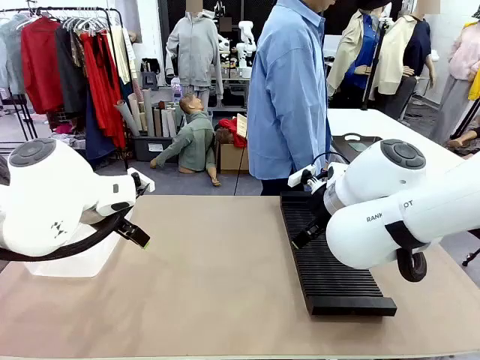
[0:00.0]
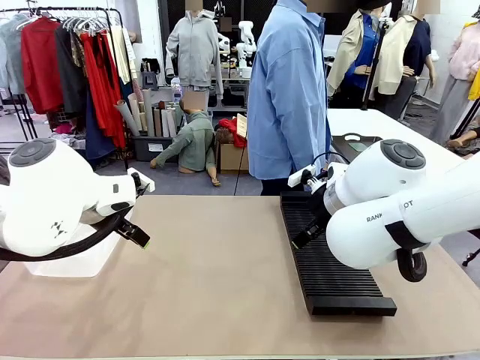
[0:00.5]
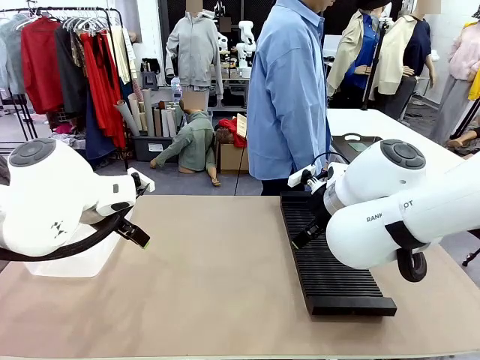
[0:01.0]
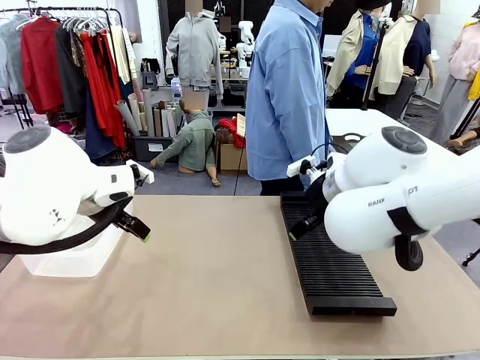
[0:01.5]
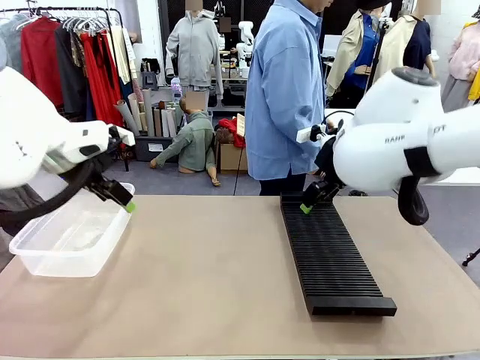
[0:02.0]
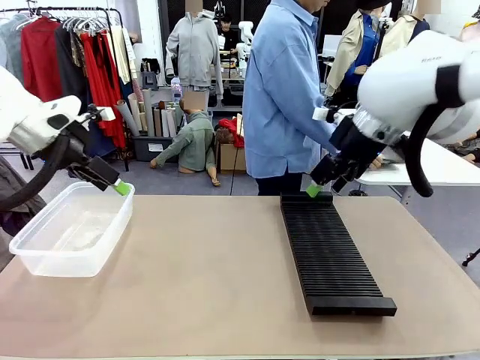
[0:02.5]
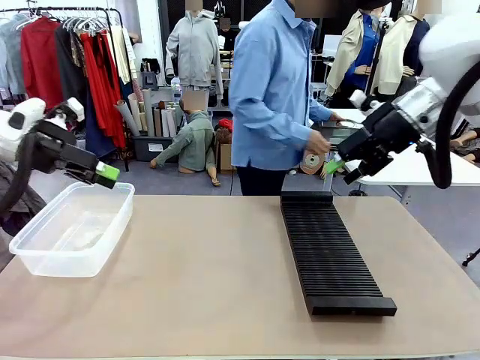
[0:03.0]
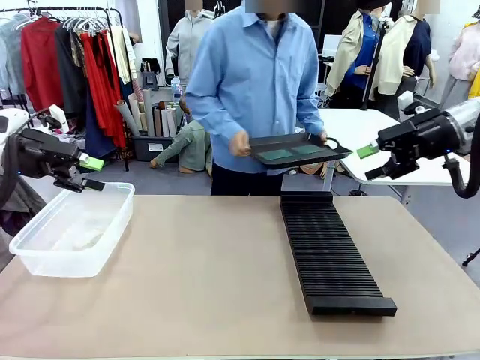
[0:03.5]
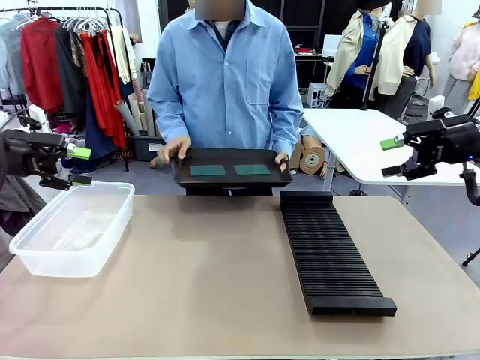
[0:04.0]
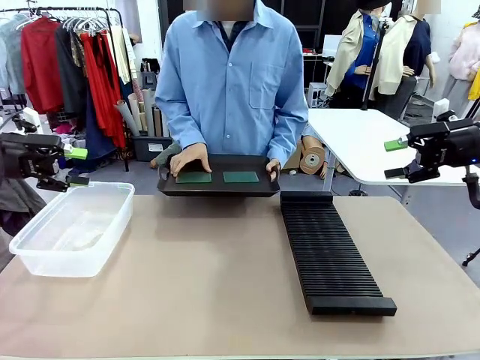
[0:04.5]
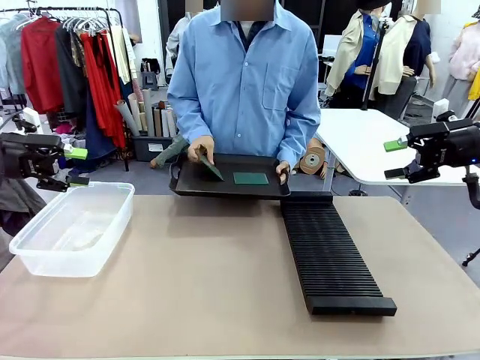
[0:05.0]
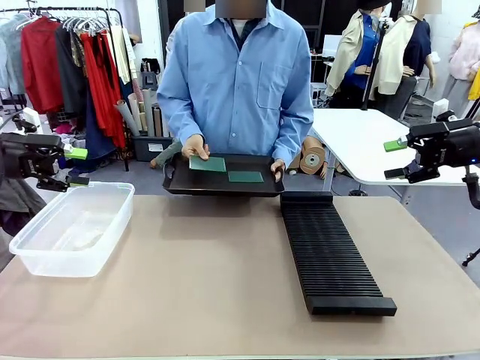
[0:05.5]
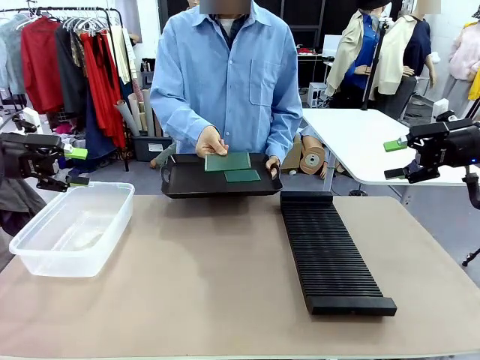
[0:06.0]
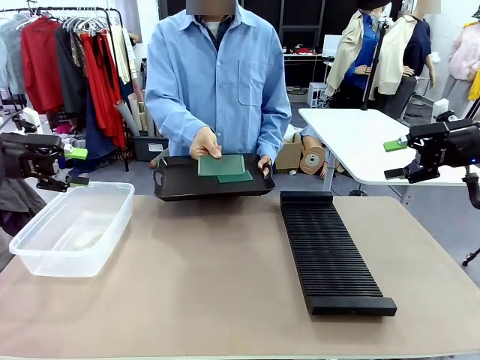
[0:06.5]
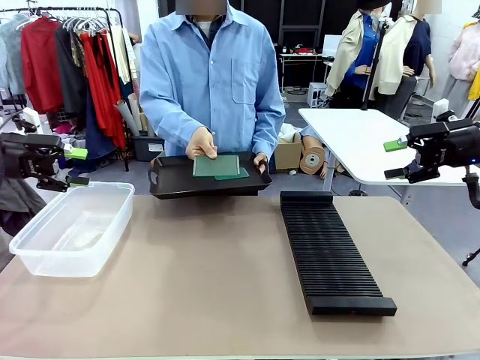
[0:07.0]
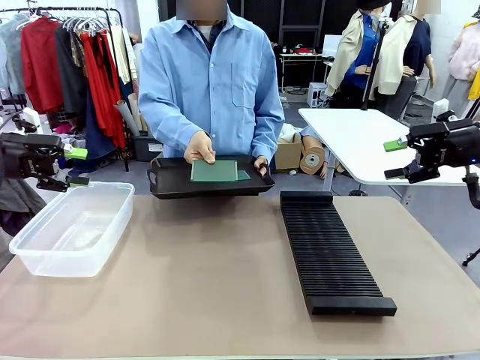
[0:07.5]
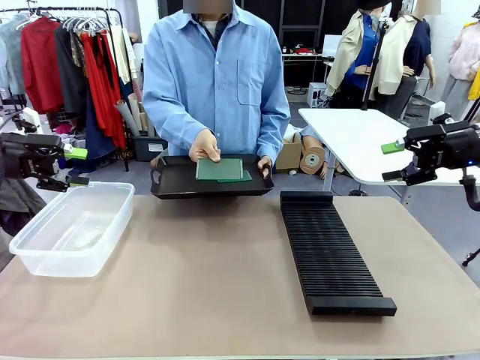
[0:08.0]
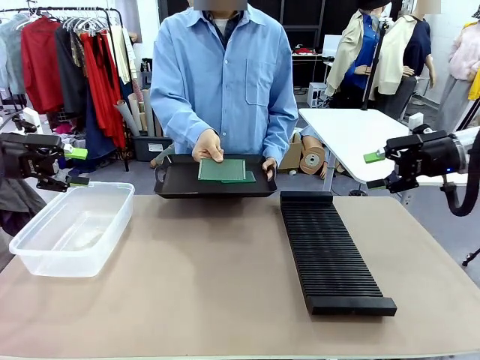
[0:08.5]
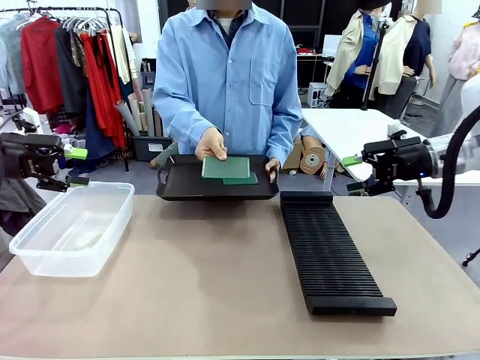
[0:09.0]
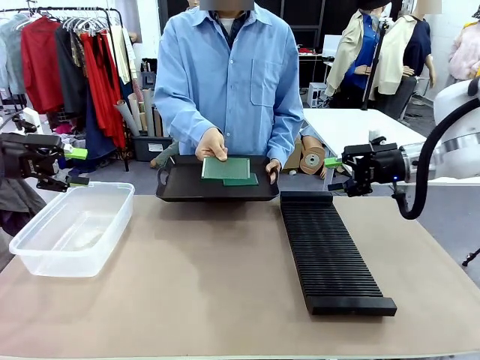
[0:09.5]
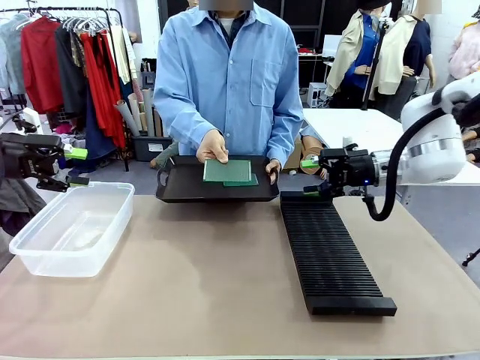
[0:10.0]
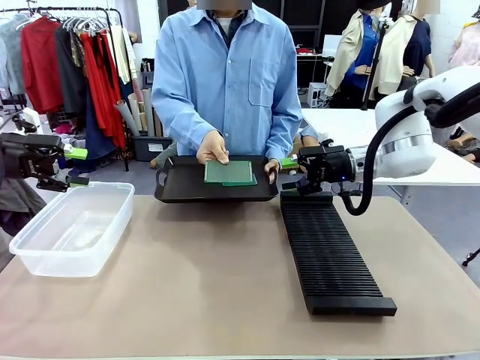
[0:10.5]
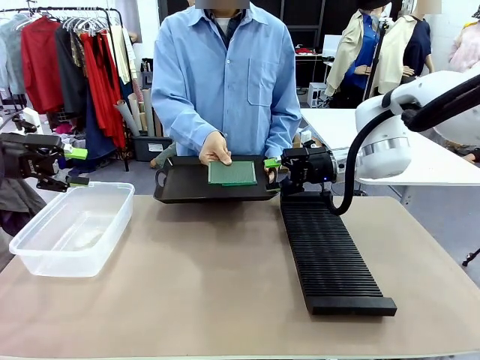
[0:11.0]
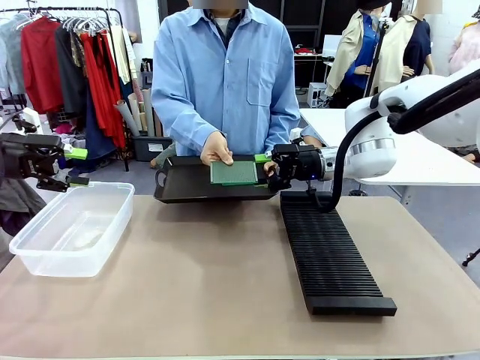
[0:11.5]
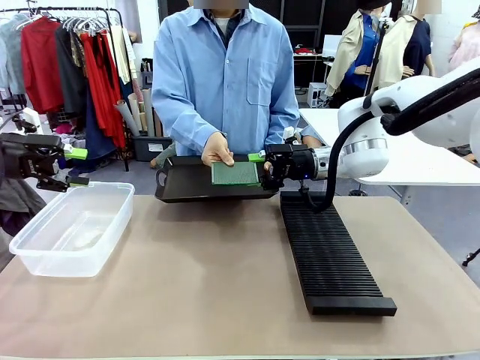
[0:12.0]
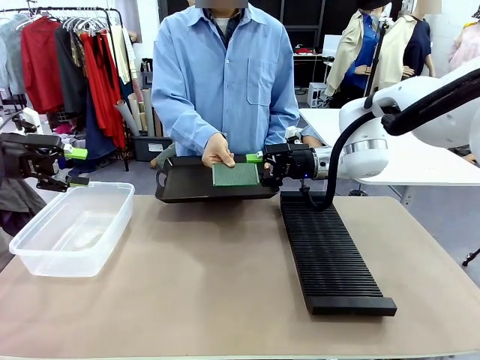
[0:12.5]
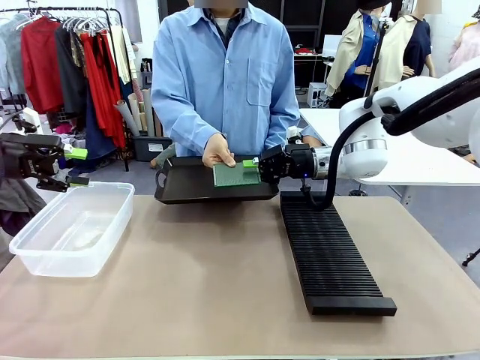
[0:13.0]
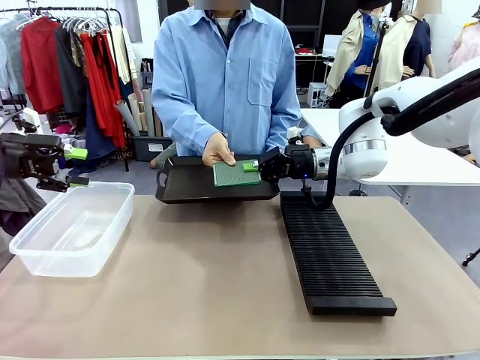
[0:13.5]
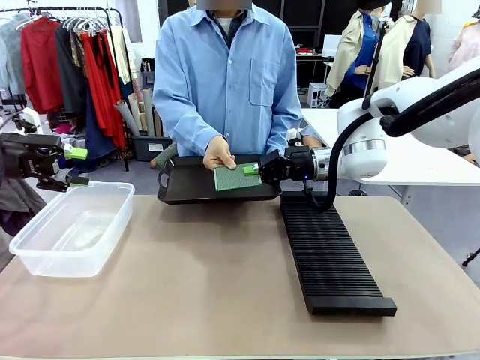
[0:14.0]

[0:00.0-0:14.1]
Task: Sort PCBs into racks and boxes based on the side picked up.
Robot: Pick up the Blank PCB handed by the Human.
Person: Pick one PCB from the tray and present it to the robot. Release the PCB being held.

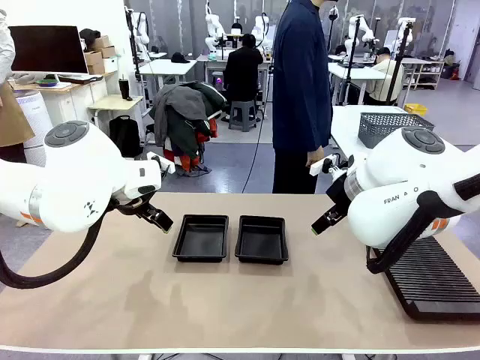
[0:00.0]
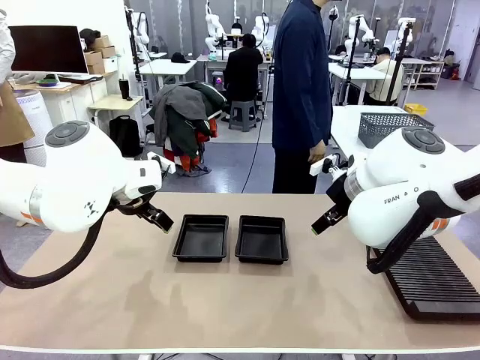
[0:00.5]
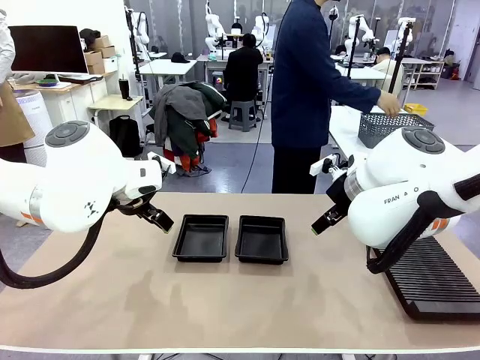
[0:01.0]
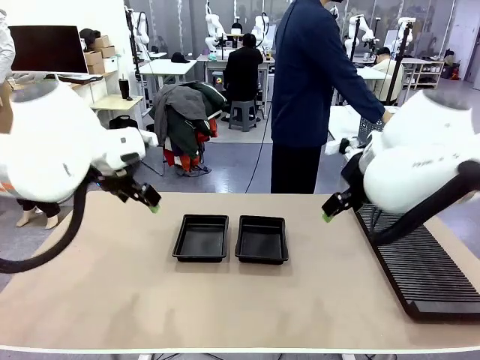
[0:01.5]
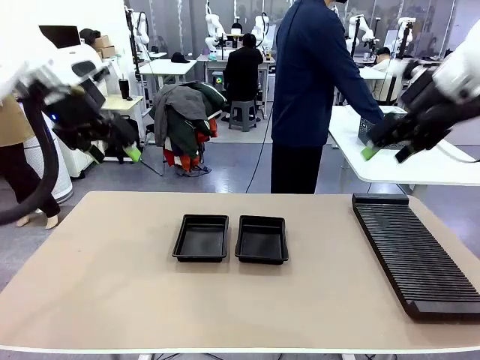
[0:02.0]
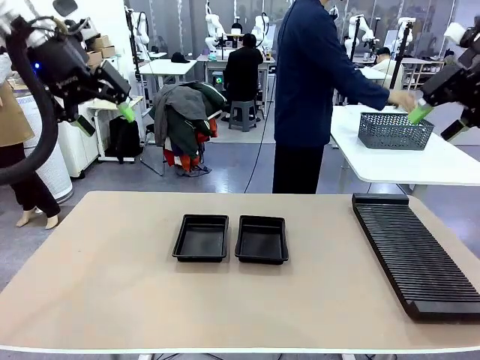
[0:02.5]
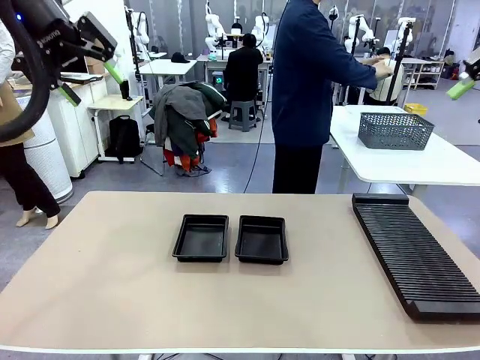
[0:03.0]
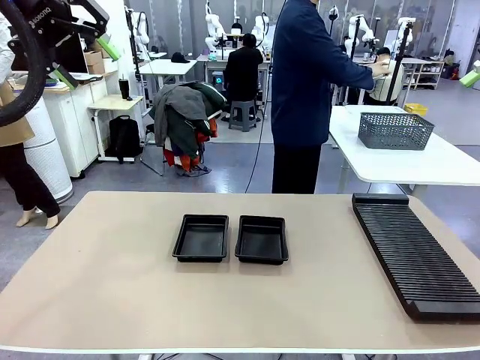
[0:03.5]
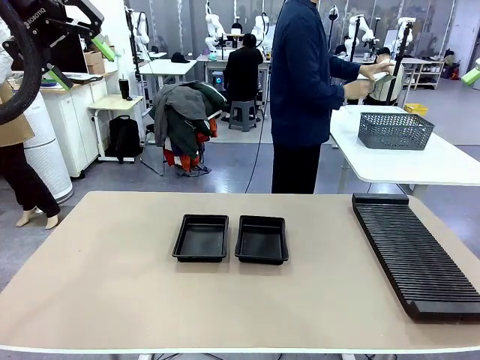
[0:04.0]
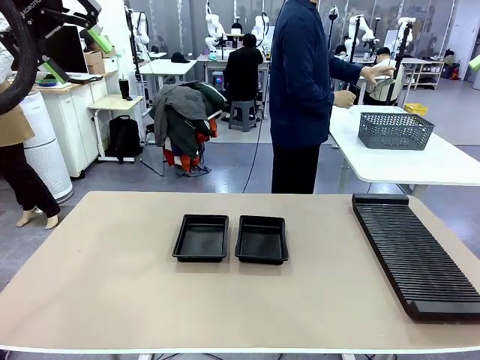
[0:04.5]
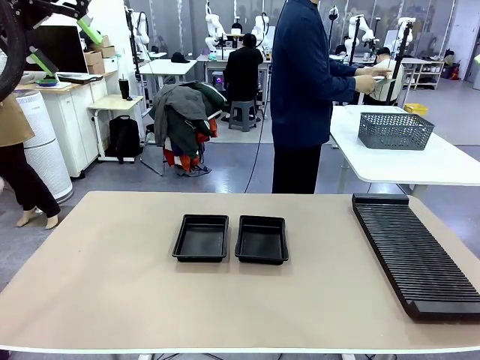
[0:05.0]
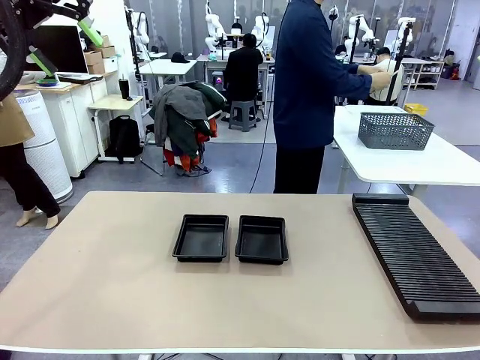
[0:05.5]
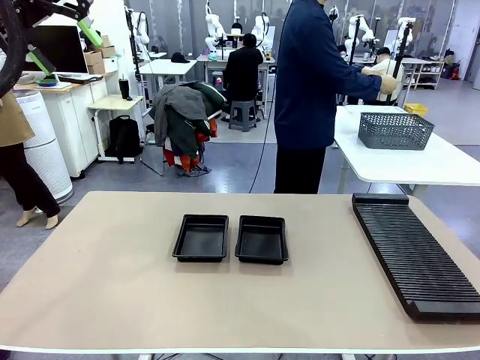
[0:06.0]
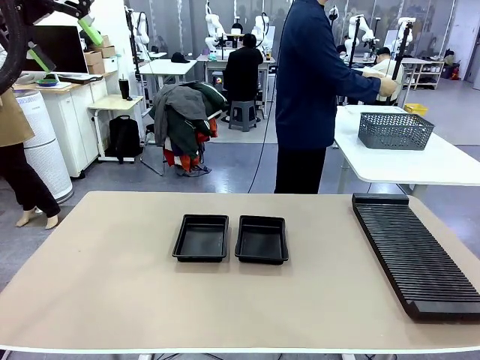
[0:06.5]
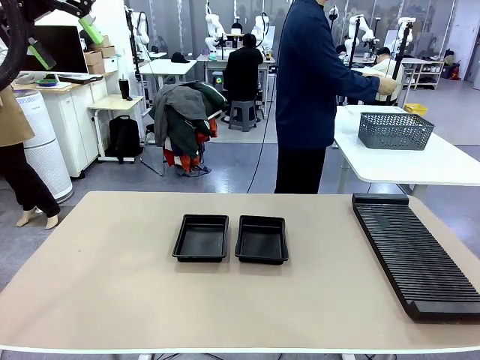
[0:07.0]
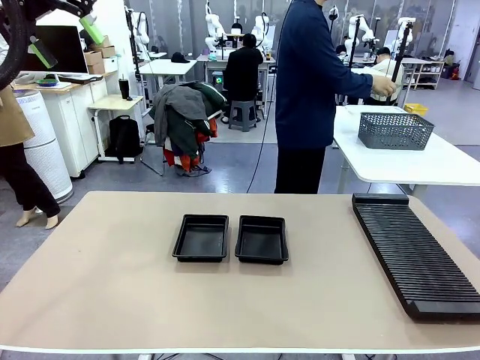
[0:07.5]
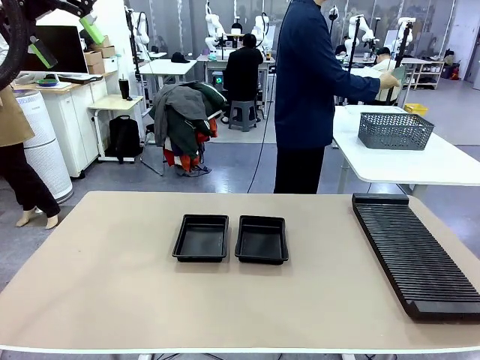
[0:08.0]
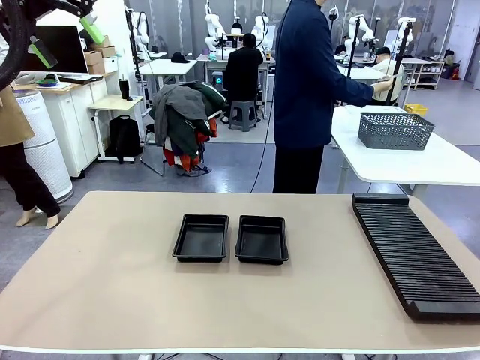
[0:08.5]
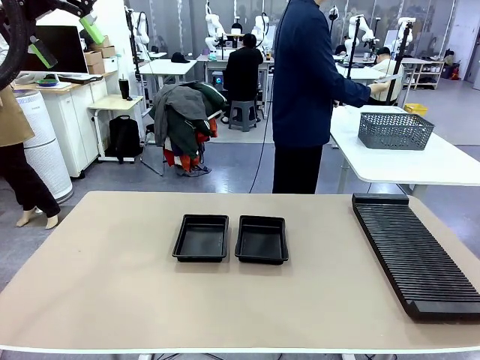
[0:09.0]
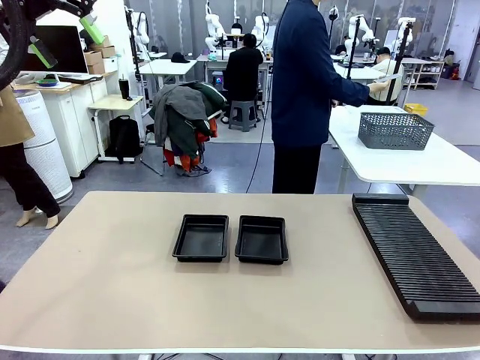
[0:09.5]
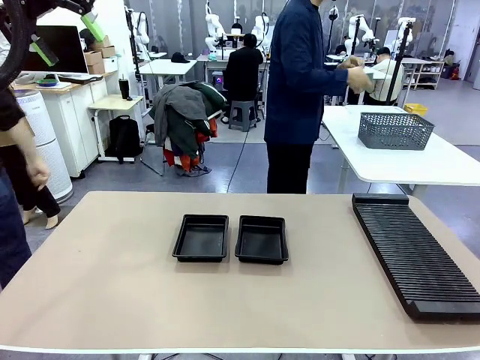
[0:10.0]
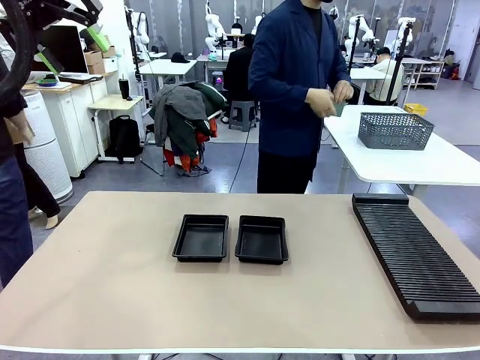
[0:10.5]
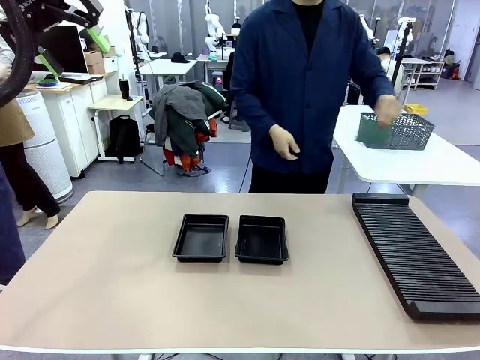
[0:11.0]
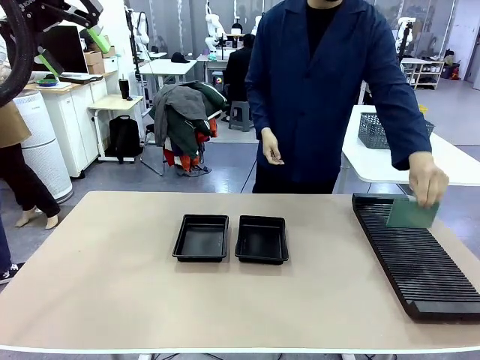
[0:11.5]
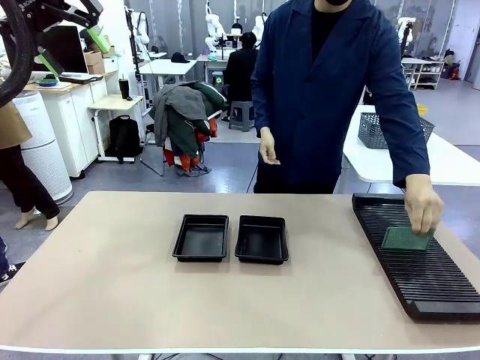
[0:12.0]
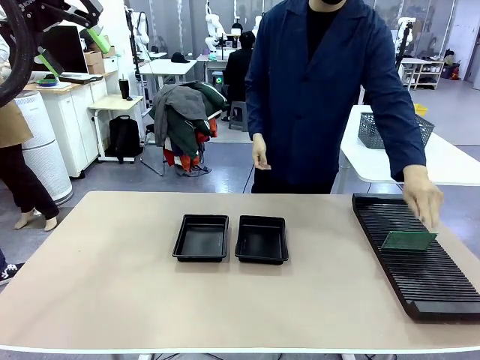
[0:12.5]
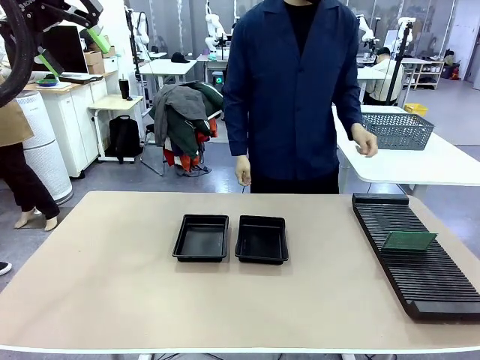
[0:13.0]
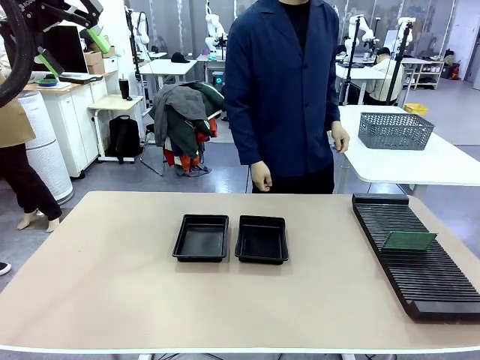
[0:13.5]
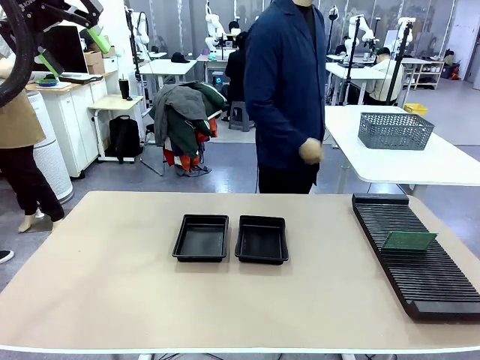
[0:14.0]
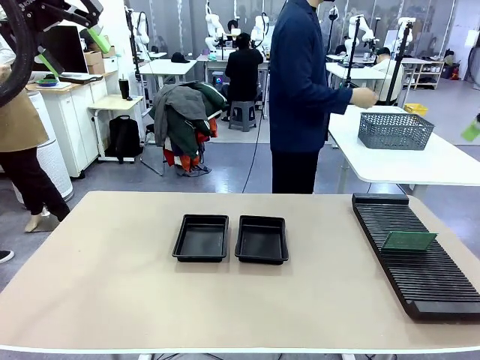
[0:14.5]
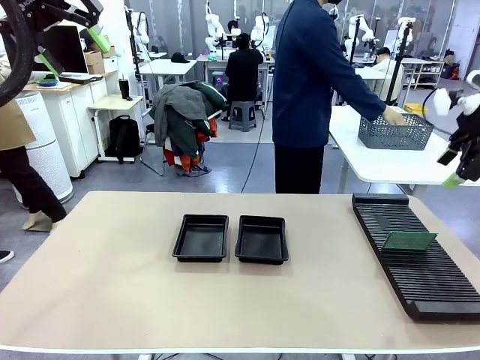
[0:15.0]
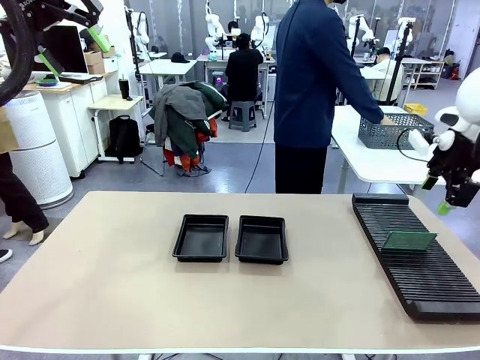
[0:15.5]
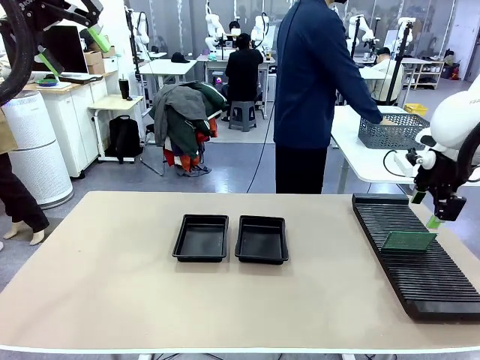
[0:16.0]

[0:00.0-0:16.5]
Task: Inspect and transfer BCBs to ESD trays.
Robot: Pick up the Blank PCB from the PCB Rack and place it in the left ESD tray.
